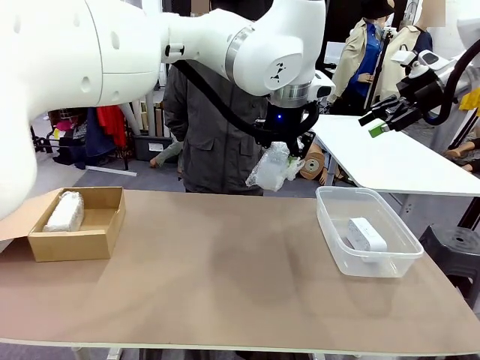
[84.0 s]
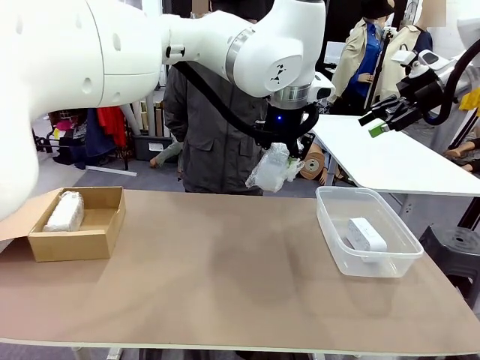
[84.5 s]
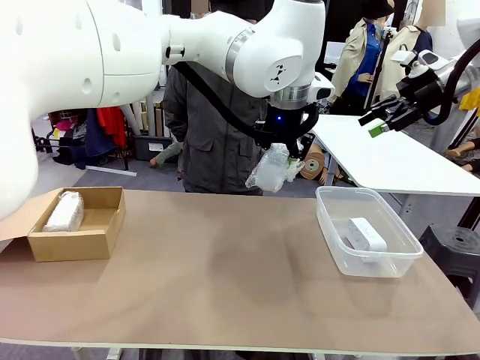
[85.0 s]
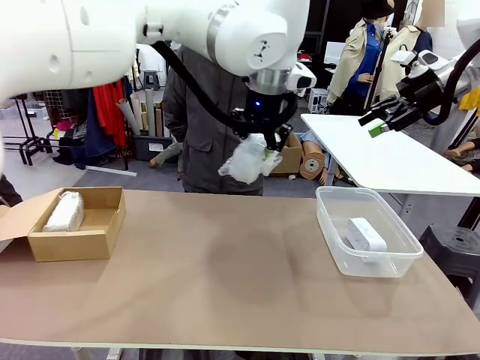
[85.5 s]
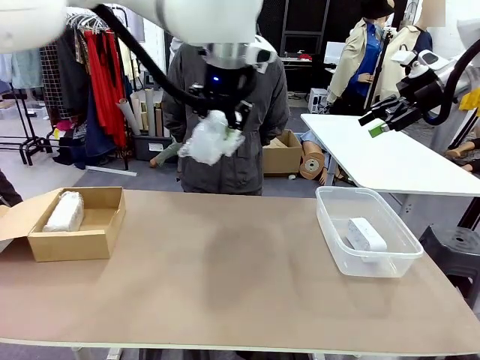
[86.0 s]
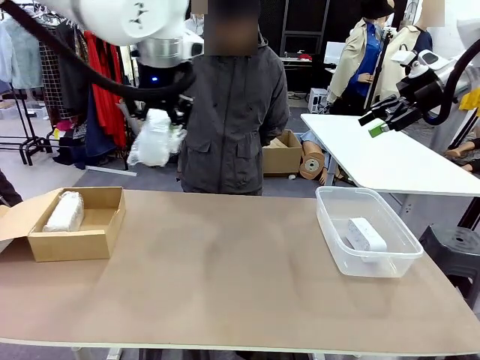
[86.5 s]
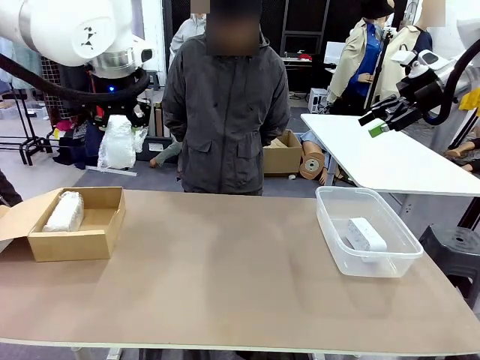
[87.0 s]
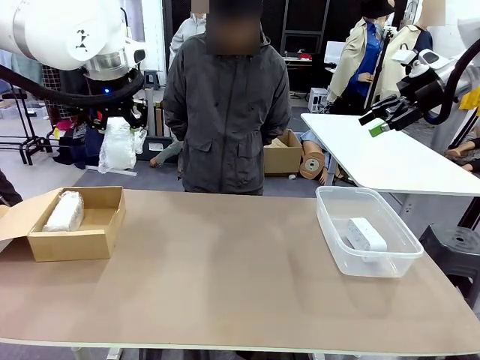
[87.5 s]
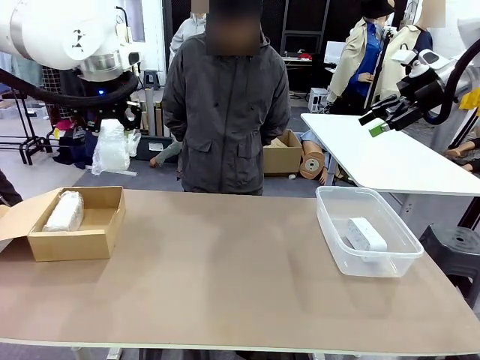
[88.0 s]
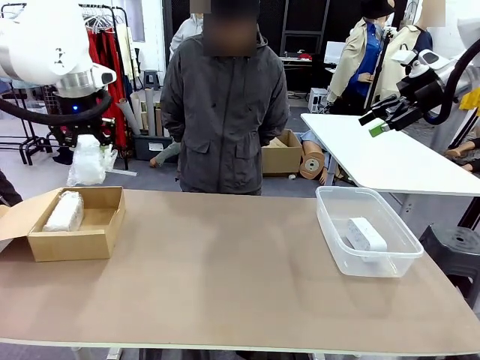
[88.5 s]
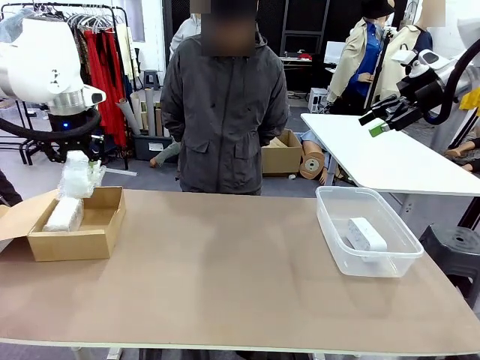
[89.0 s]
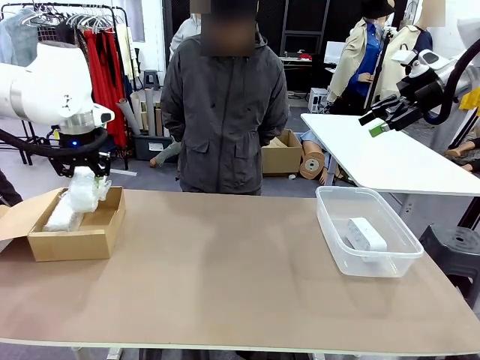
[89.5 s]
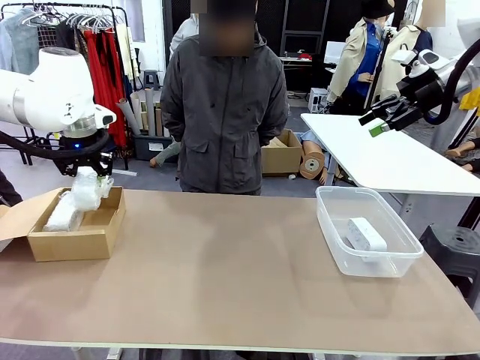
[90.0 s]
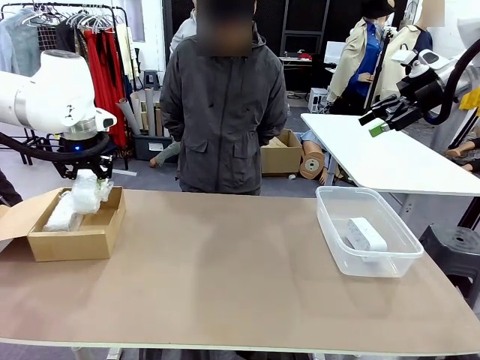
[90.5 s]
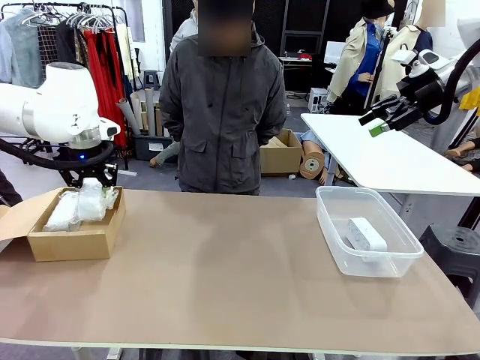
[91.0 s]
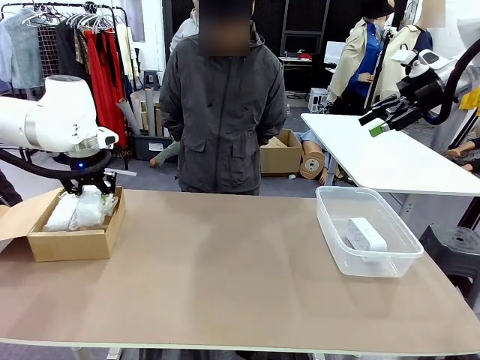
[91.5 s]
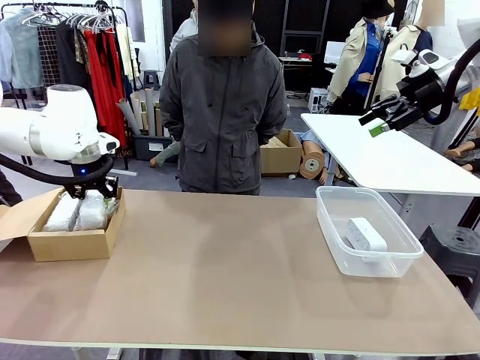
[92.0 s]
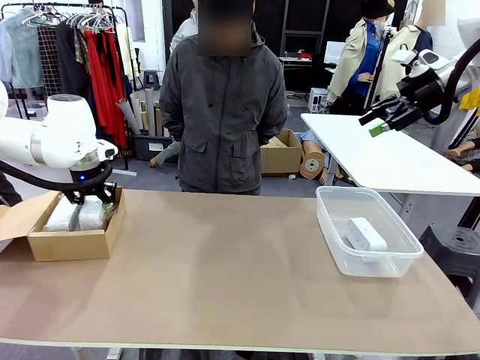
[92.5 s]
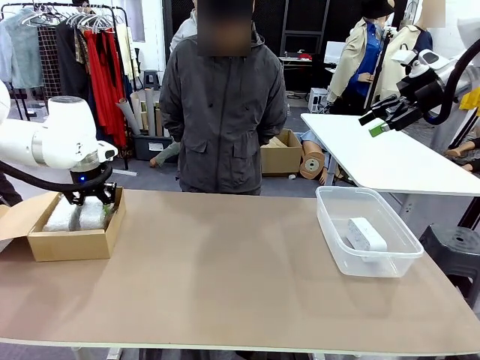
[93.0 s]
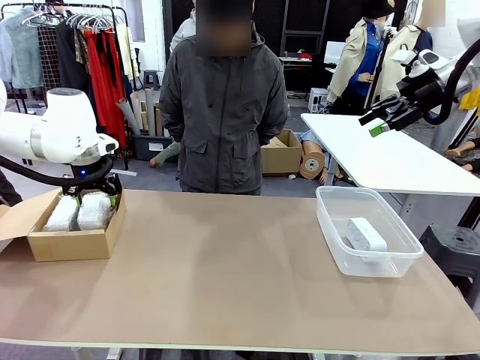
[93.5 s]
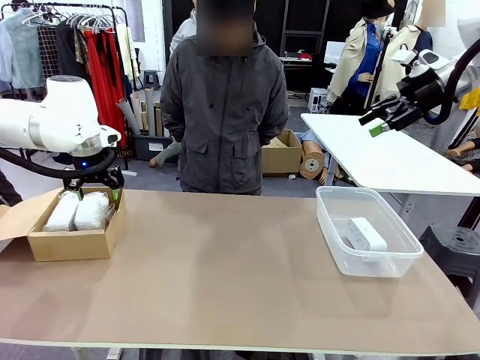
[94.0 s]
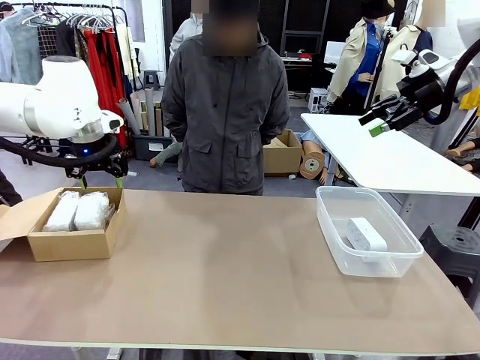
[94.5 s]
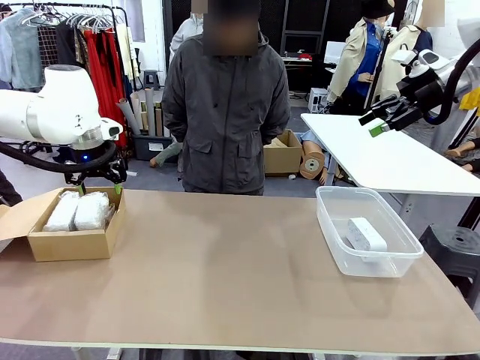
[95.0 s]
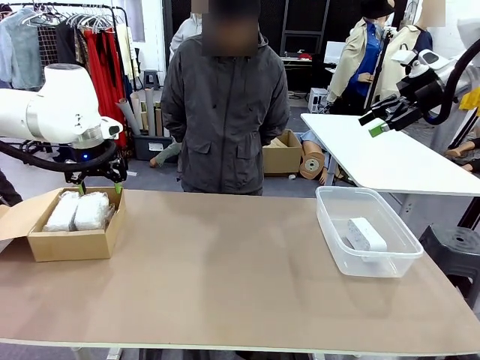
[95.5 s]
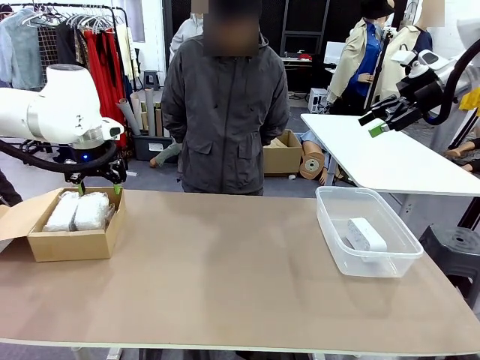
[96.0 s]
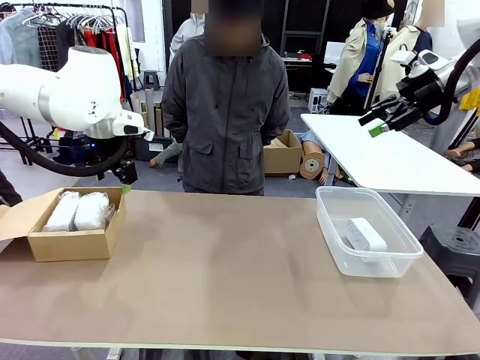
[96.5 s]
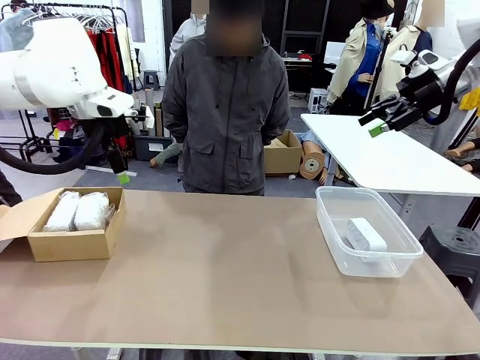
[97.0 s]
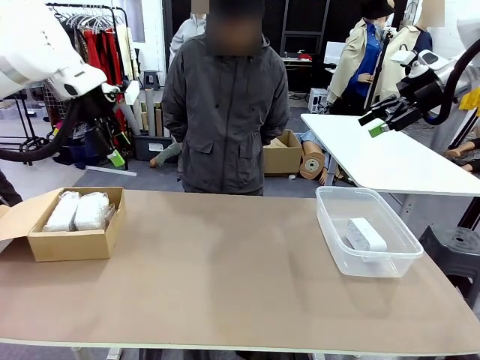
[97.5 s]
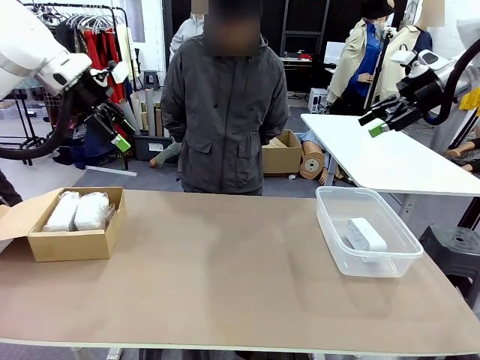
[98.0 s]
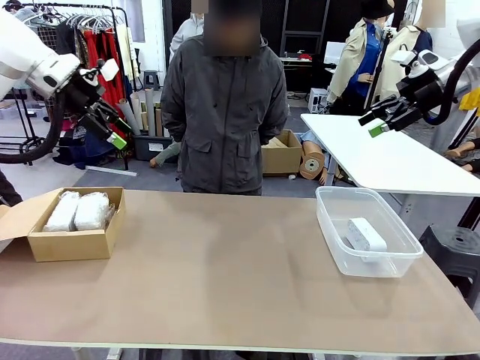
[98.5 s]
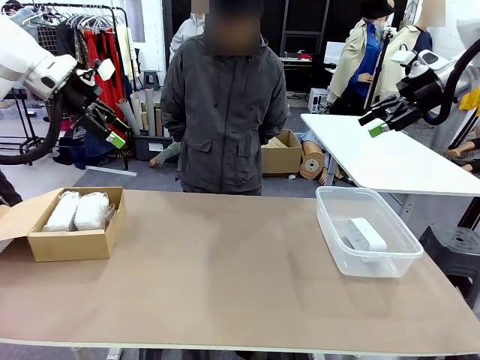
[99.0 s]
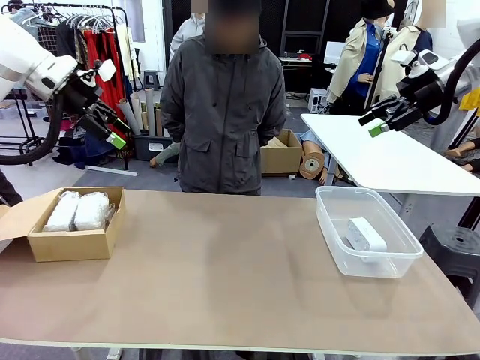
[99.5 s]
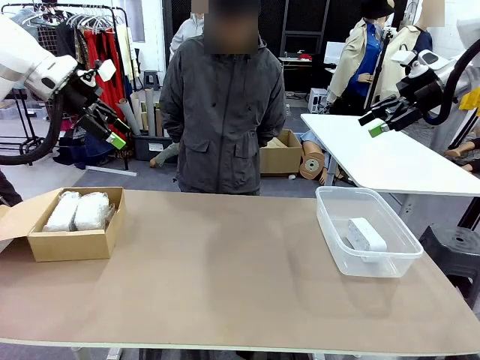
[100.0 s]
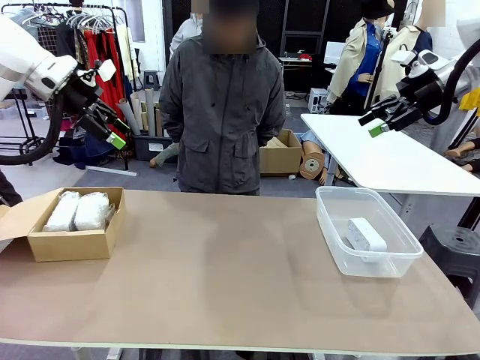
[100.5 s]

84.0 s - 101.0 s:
Task: Separate and place wrapped and unwrapped clocks.
Robot: If the picked Digital clock is wrapped, place it in the Package Box ; if not, place it in the Organizing box.

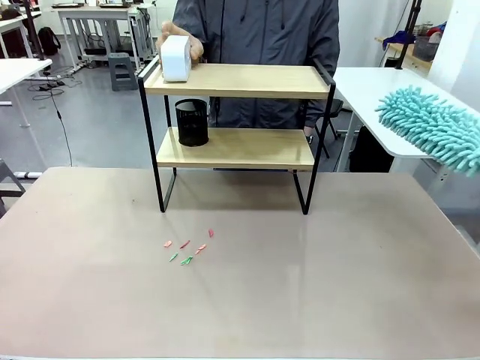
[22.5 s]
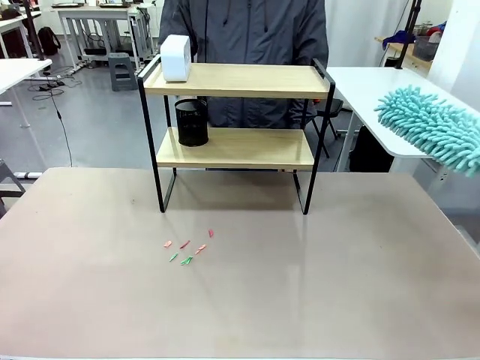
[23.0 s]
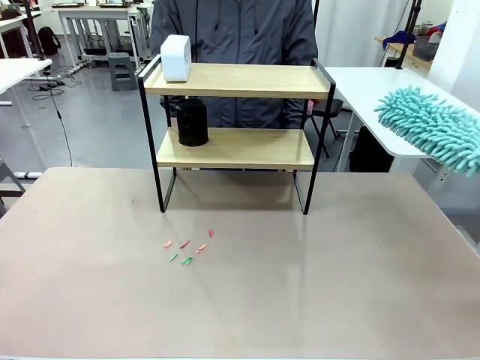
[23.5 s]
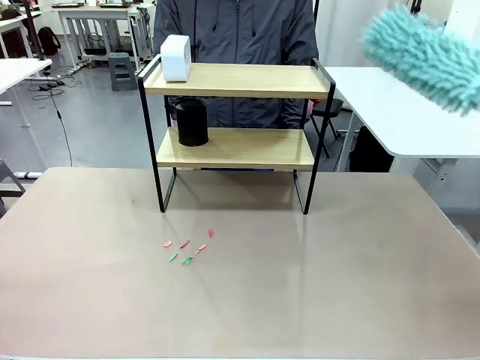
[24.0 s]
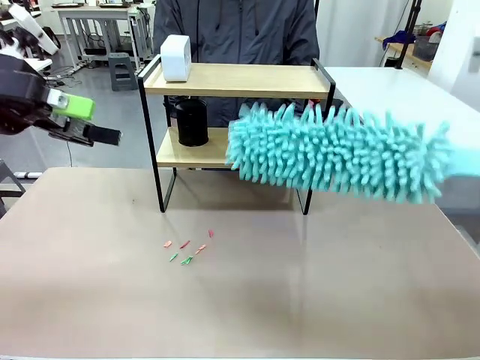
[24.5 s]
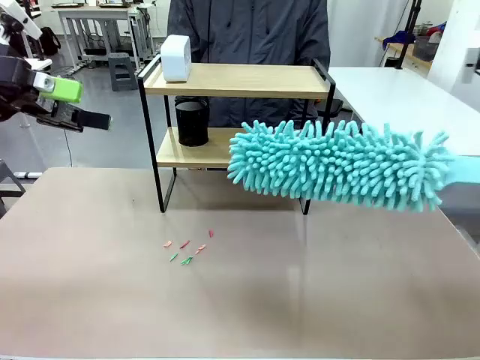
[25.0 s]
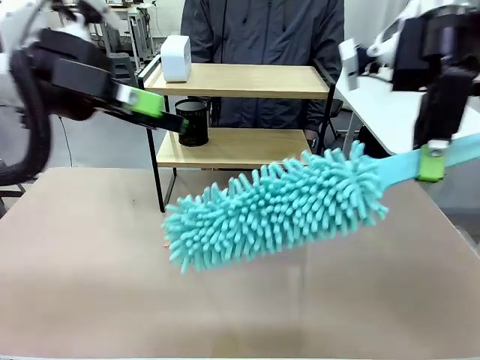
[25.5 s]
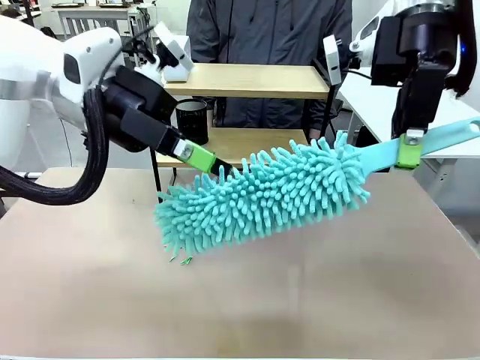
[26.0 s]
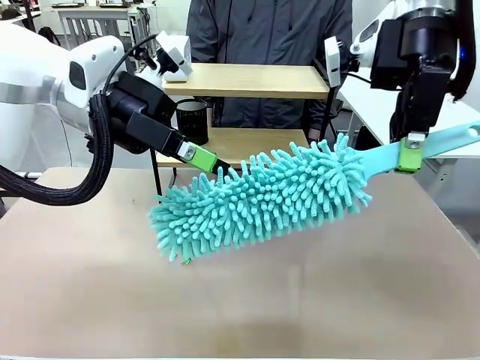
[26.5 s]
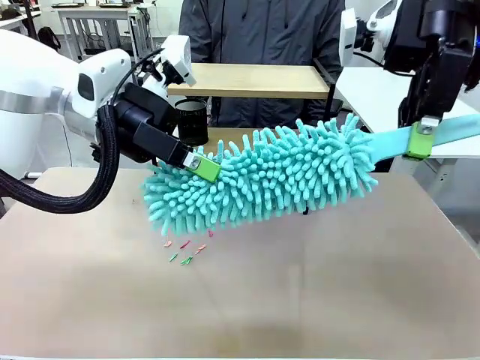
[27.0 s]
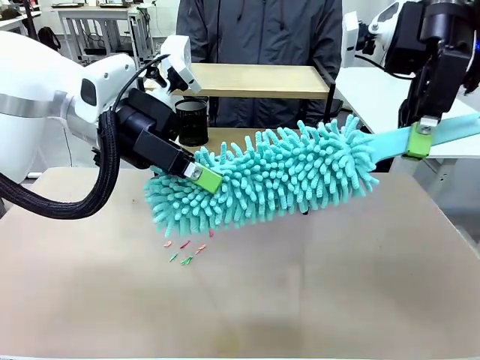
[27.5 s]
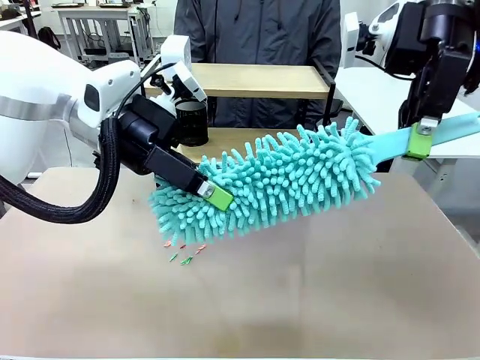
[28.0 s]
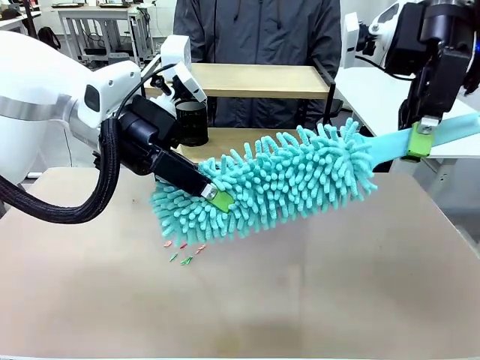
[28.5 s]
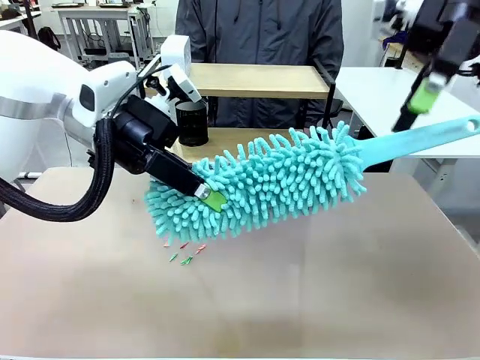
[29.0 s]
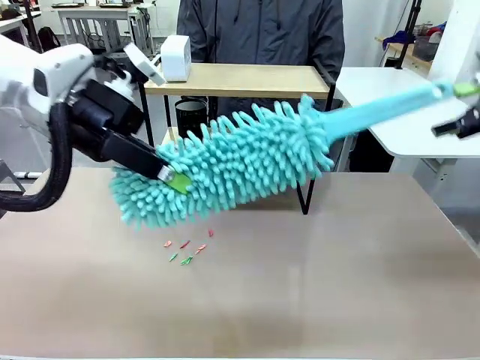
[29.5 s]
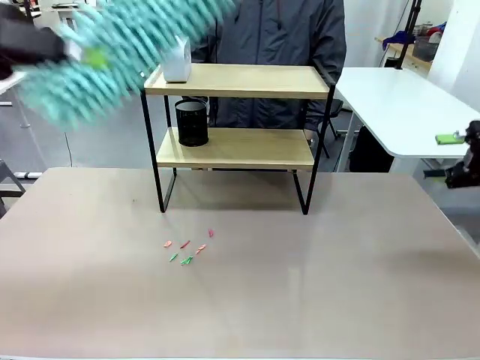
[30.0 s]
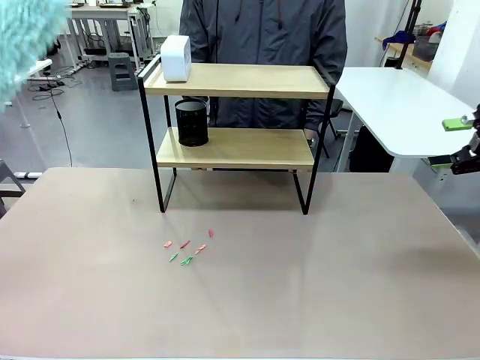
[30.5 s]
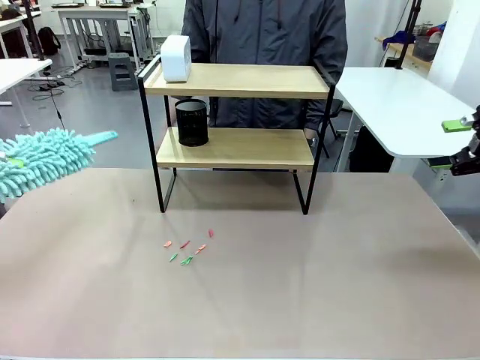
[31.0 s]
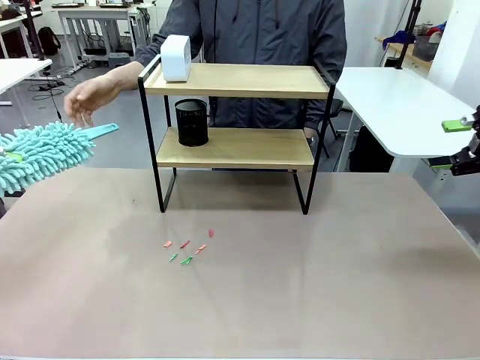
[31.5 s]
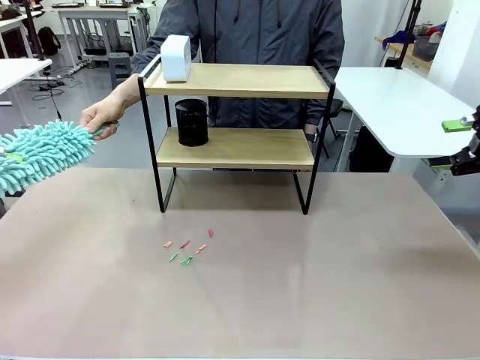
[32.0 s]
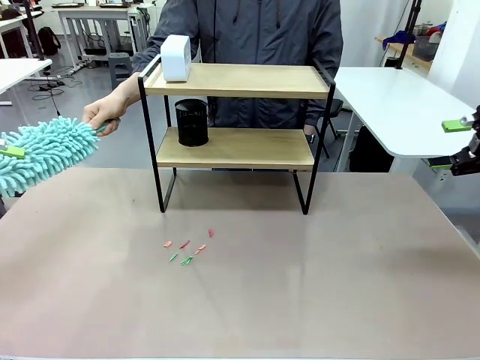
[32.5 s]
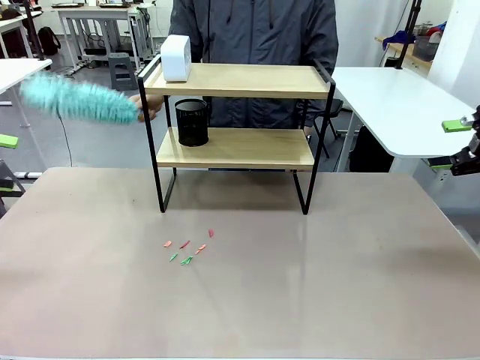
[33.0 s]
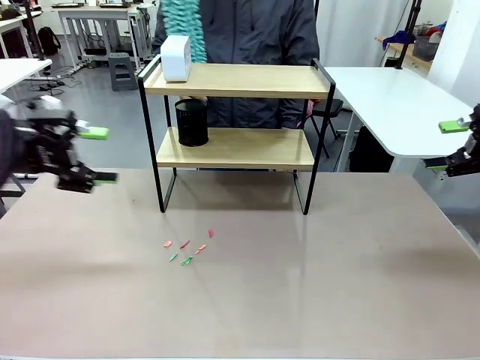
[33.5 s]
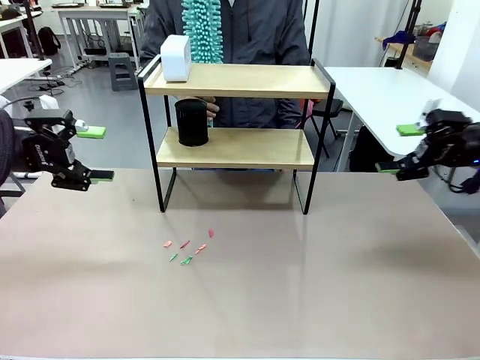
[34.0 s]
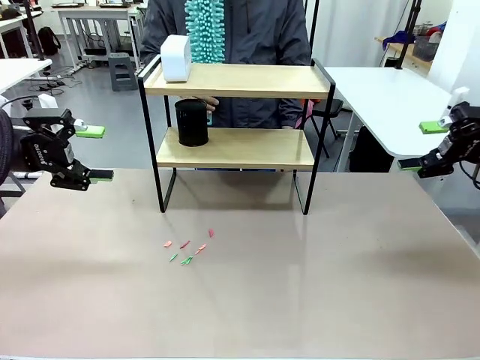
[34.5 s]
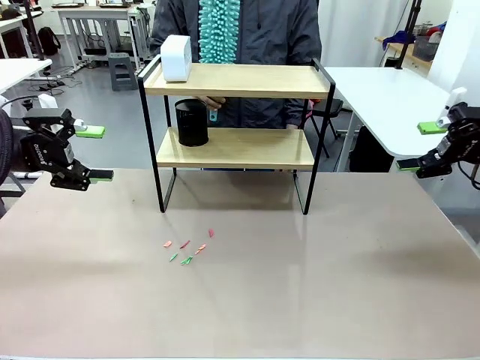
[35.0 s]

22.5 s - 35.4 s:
Task: Clean the shelf.
Robot: Hand the Duster back to the human.
Person: Receive the Duster from the robot.
